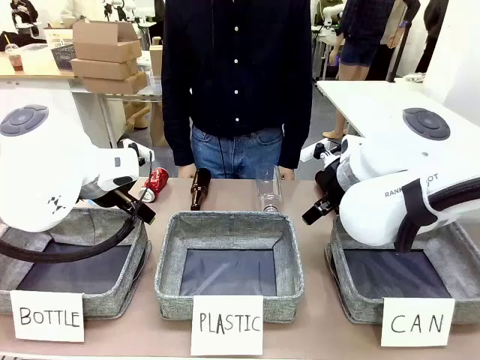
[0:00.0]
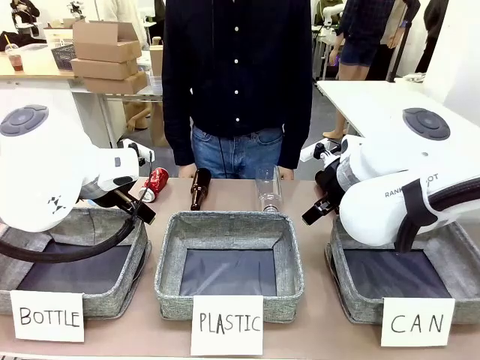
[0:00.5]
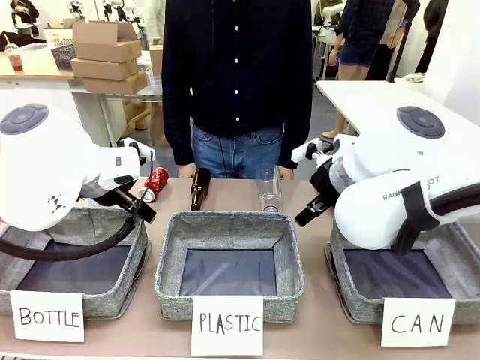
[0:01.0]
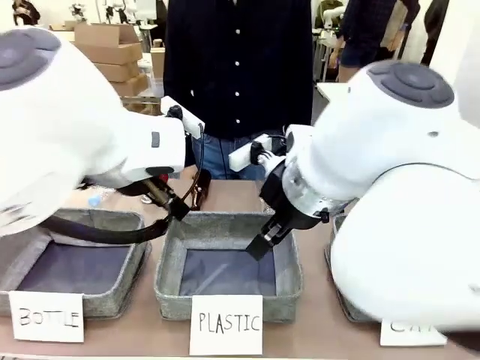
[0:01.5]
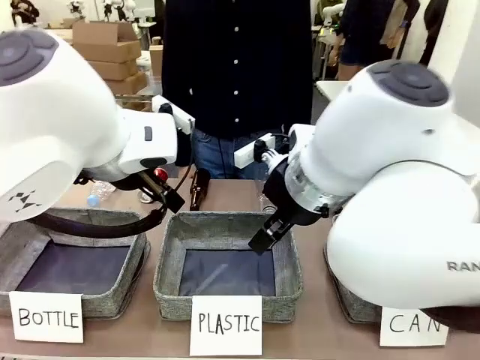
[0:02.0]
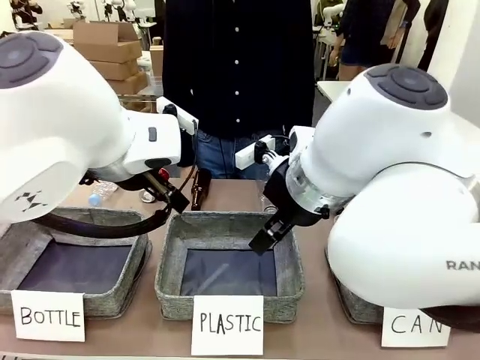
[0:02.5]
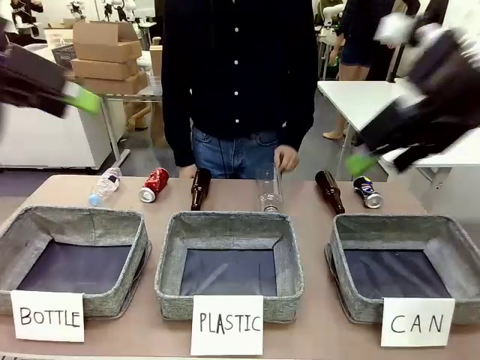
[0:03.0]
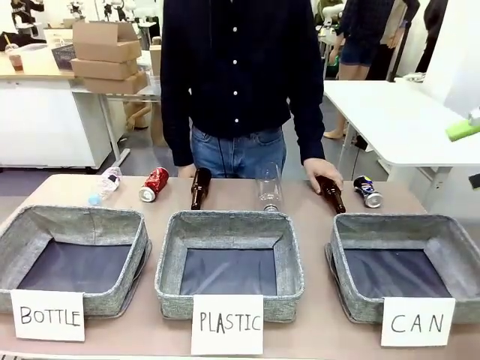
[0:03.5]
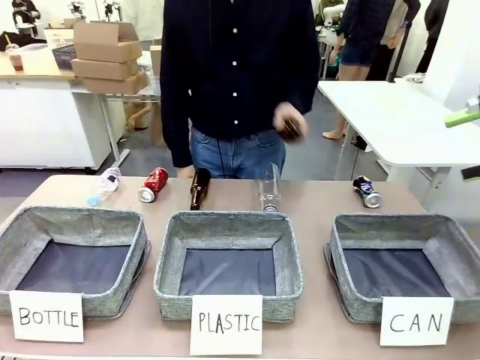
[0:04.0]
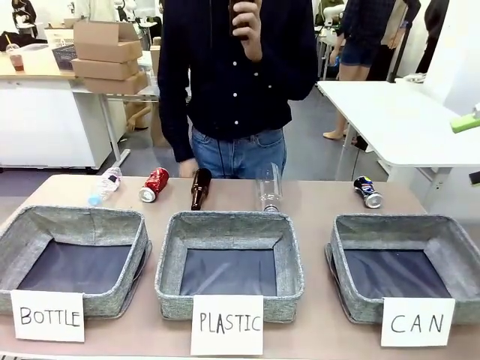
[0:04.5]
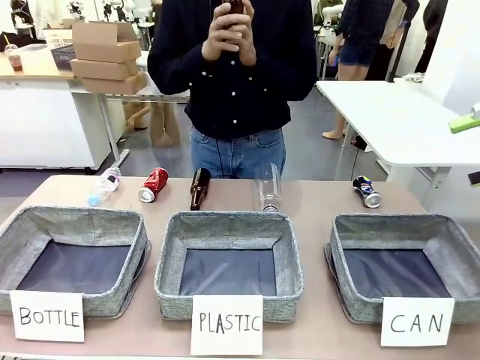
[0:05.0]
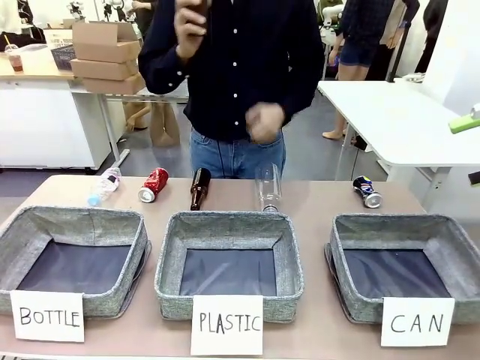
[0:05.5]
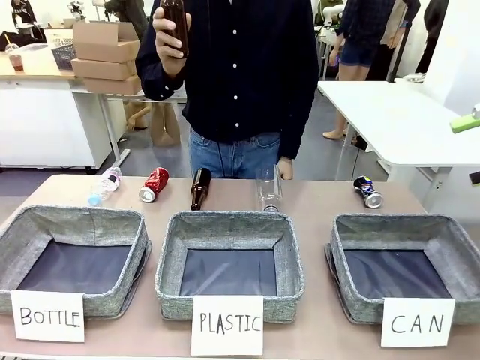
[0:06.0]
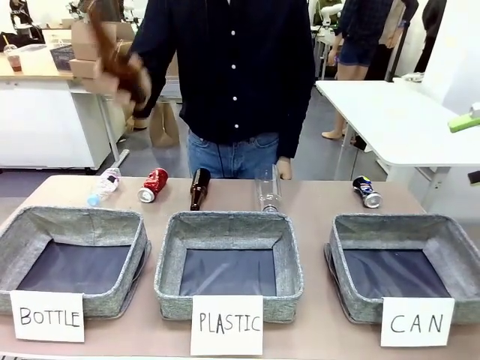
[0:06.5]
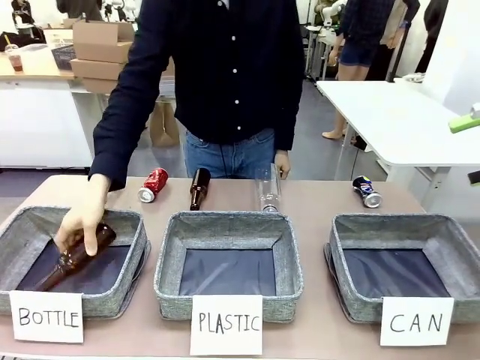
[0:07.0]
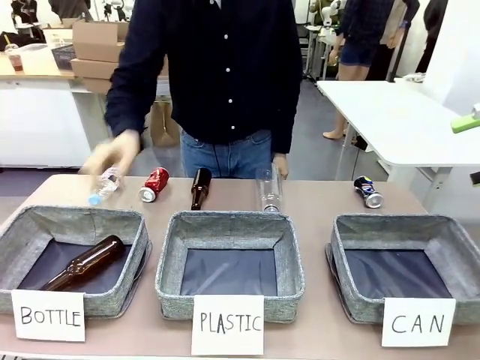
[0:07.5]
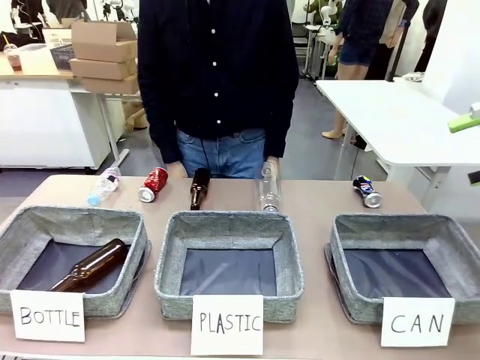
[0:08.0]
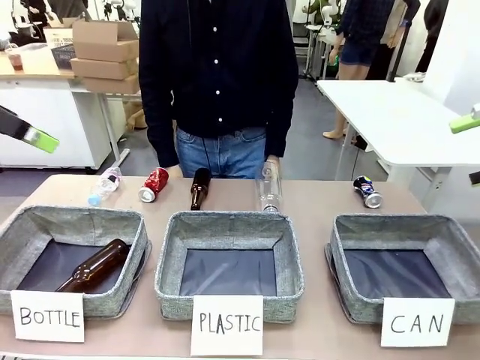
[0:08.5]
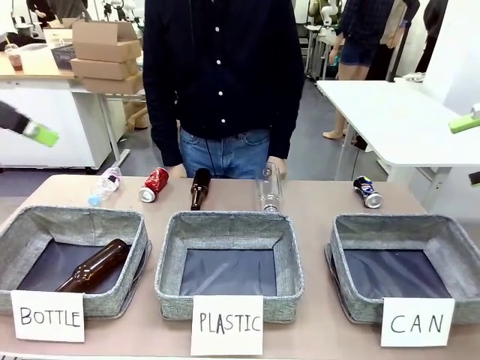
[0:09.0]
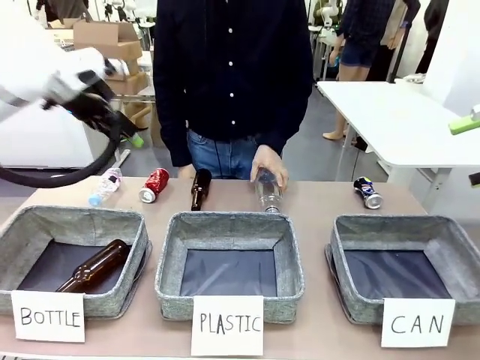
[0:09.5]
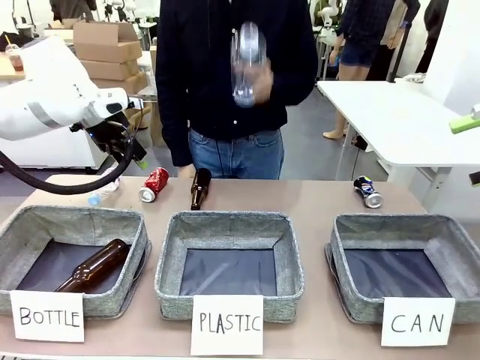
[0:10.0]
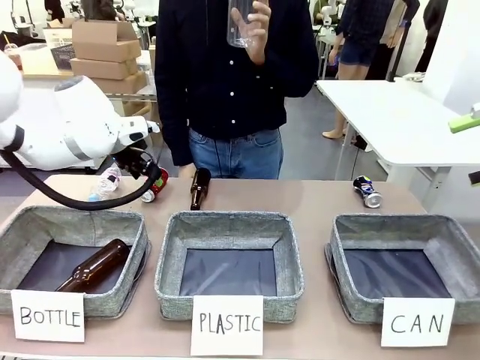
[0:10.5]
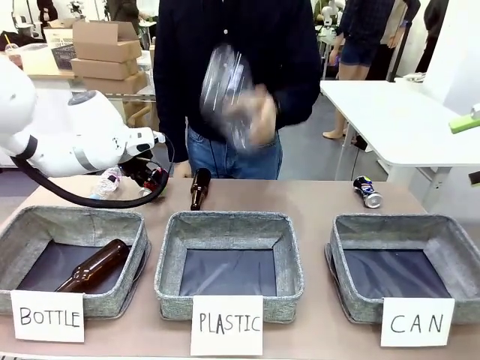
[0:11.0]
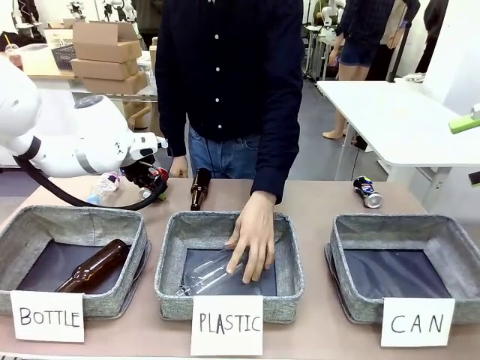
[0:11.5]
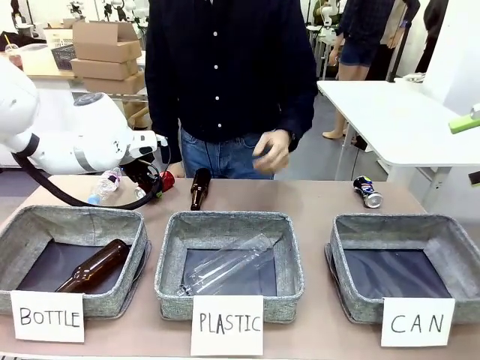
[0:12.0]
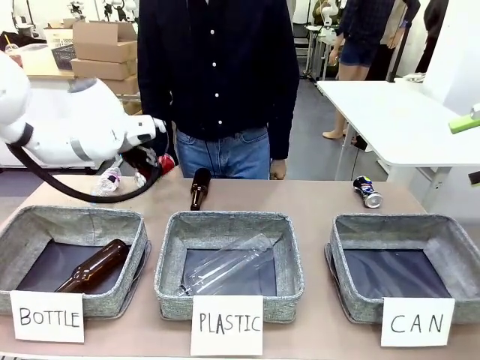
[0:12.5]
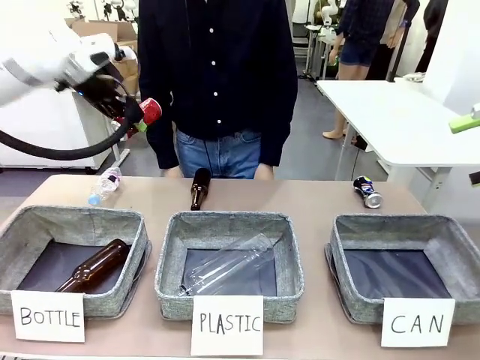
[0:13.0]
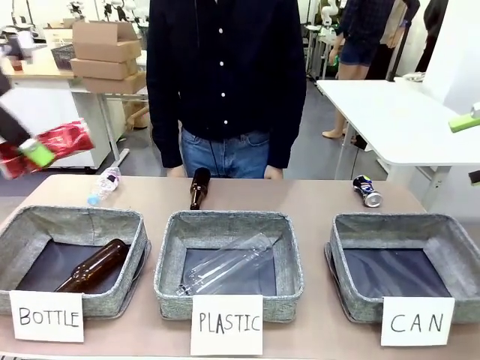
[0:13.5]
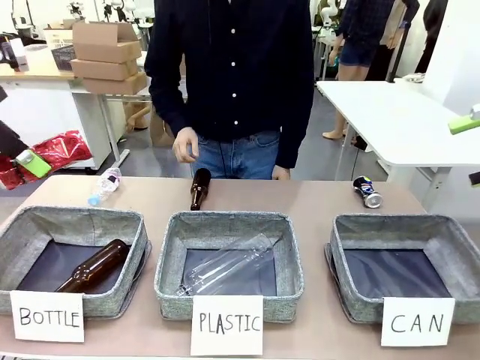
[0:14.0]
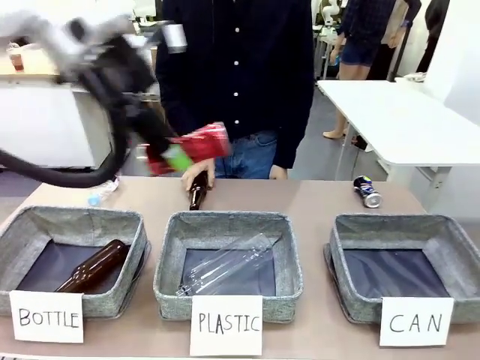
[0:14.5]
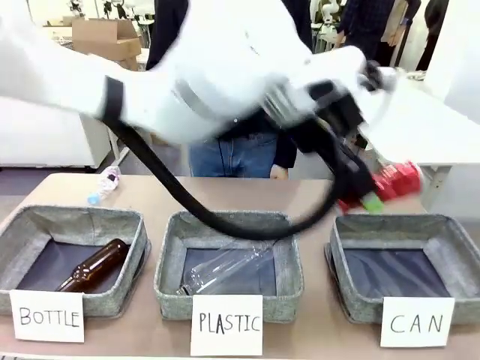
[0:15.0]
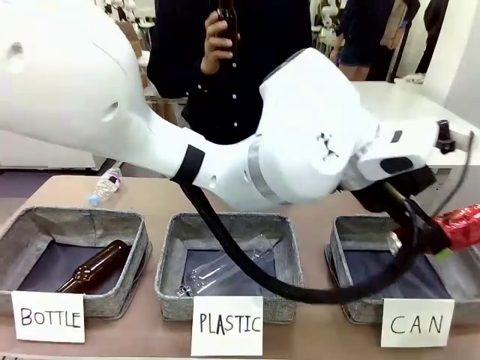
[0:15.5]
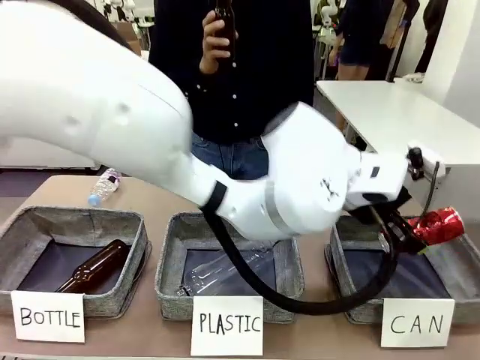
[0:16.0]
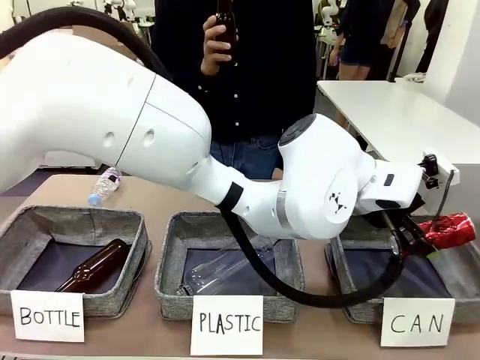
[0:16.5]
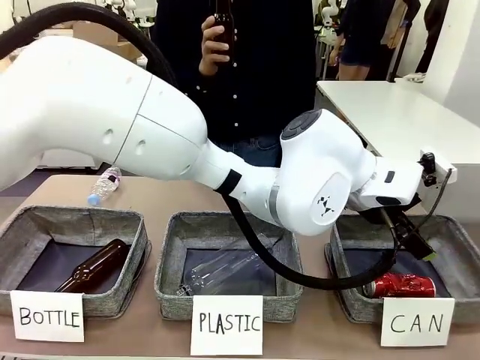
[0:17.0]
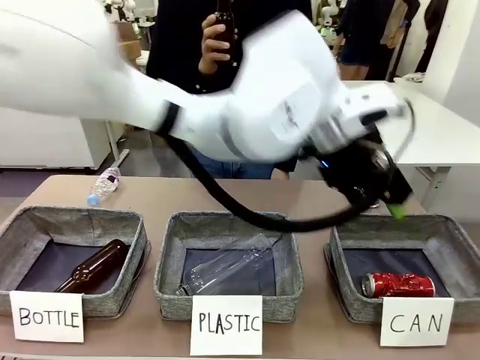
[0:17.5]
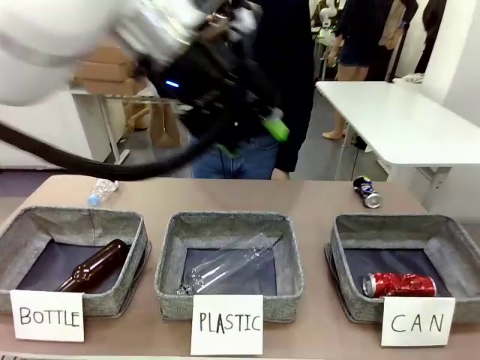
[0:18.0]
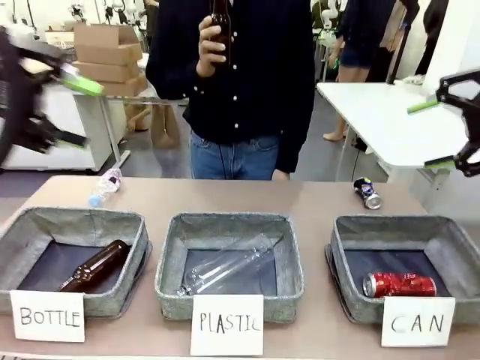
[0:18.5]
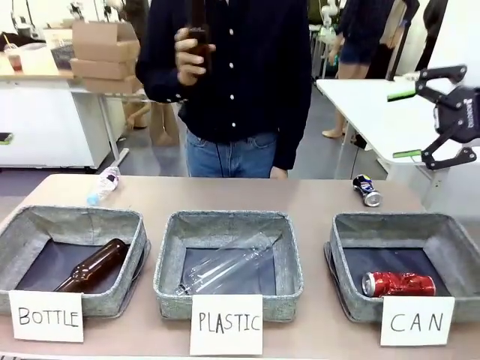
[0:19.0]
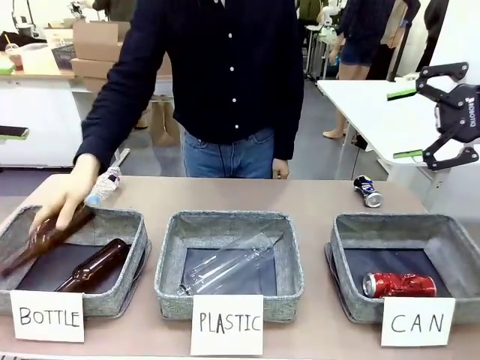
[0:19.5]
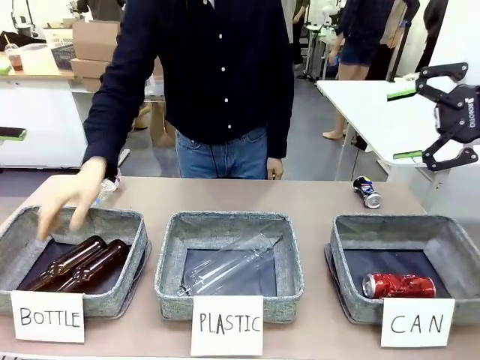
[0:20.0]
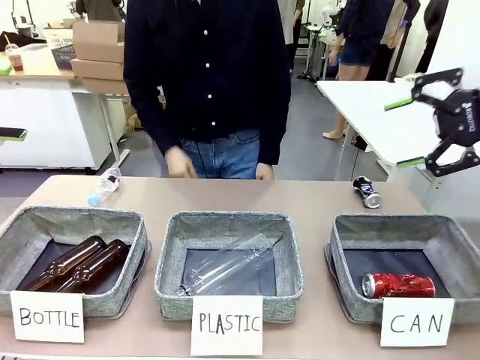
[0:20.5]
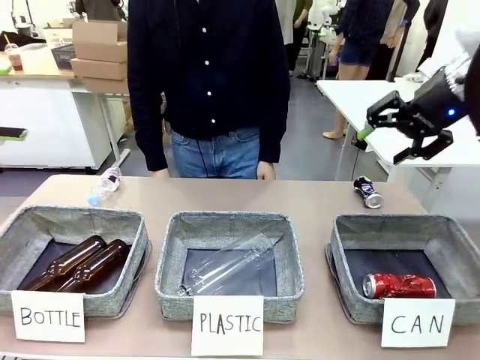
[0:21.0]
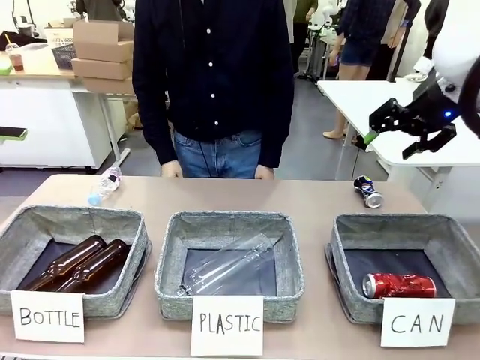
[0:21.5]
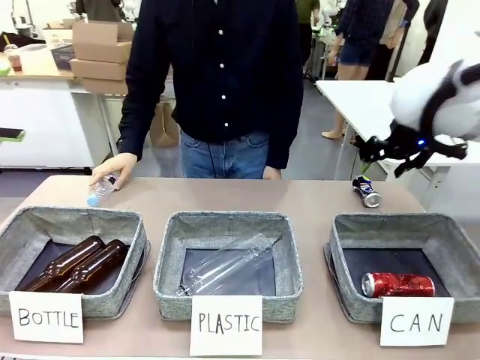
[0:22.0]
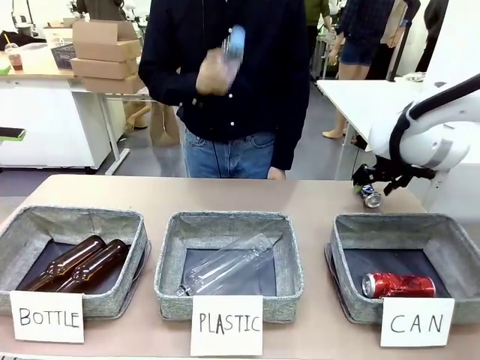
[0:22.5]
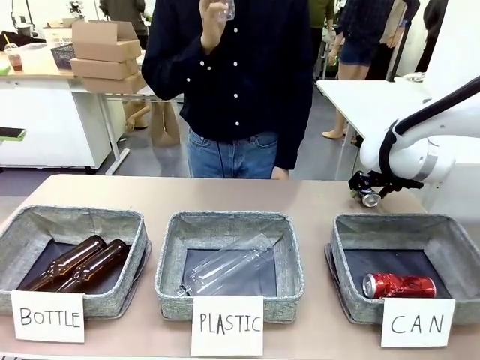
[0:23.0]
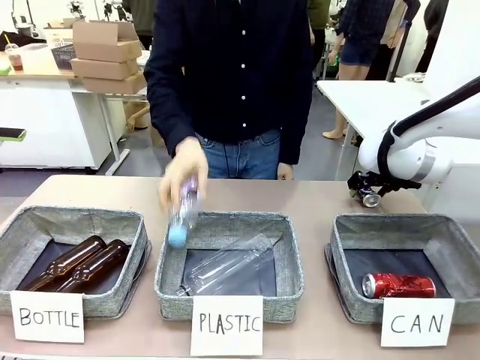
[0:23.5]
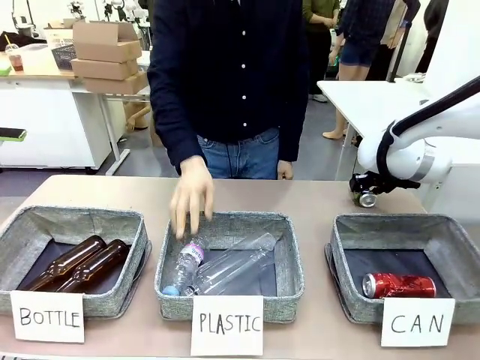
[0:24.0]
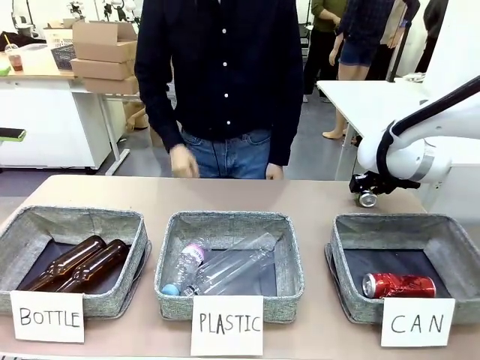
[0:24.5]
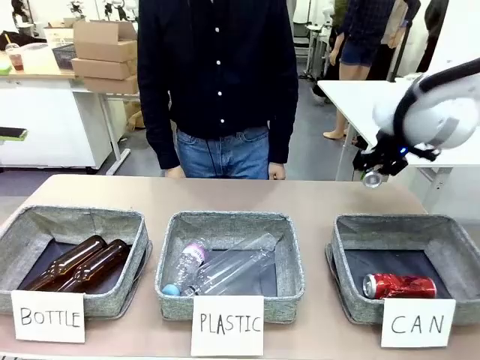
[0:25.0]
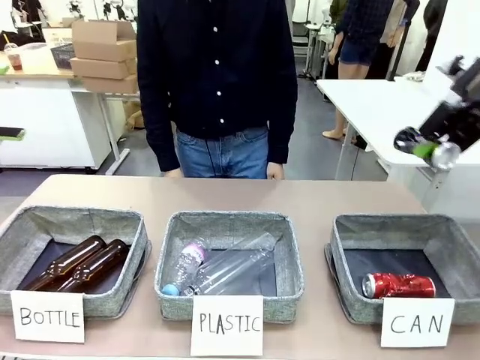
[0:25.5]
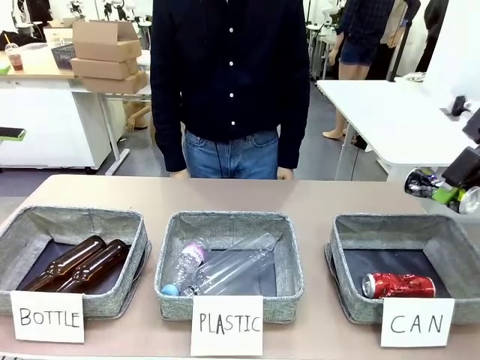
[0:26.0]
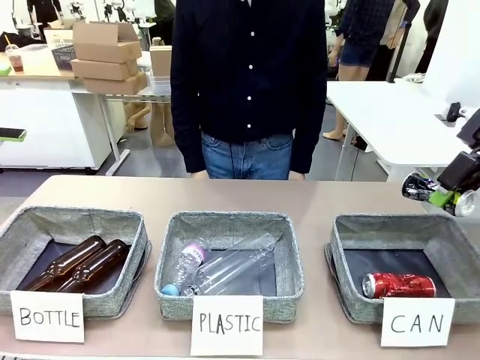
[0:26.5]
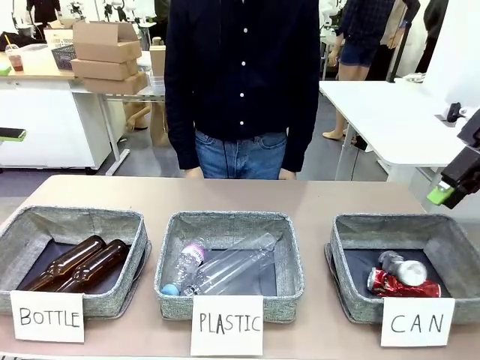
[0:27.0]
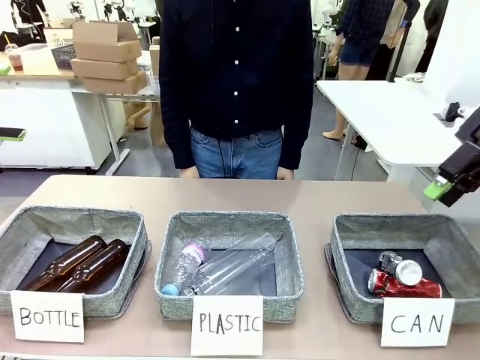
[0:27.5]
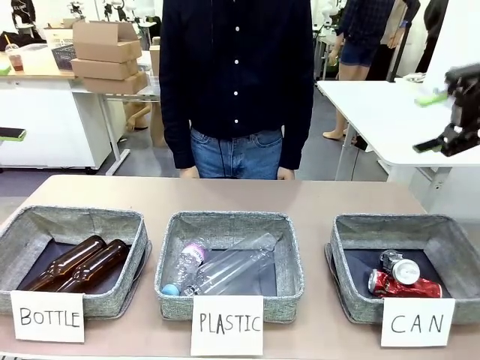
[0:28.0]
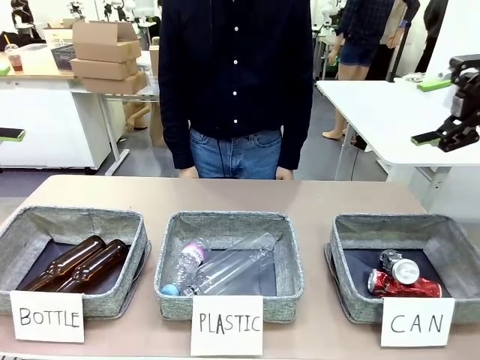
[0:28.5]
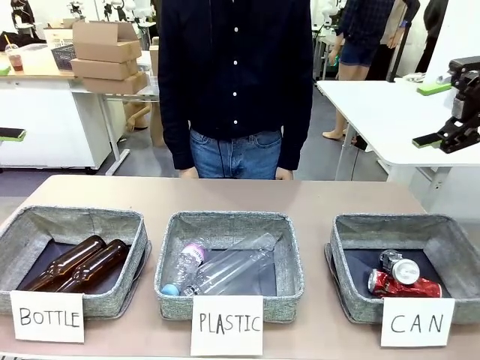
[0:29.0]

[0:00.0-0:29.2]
Task: Sort the can waste into the basket.
Robot: Pick up the can waste from the table and place it in the right Fabric basket.
Person: The human picks up one piece of trash that is not a can and places the trash into the appropriate organizing basket.
